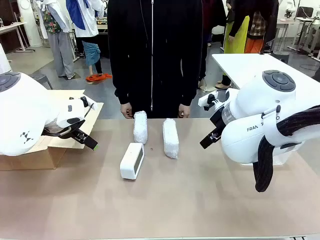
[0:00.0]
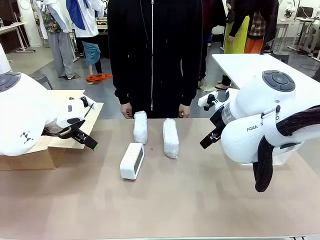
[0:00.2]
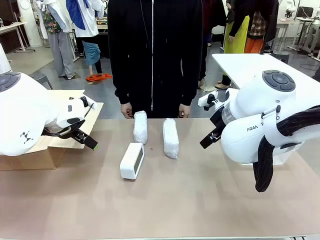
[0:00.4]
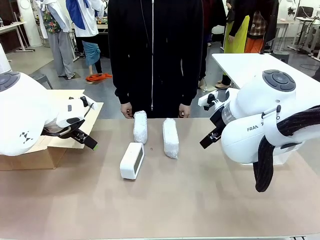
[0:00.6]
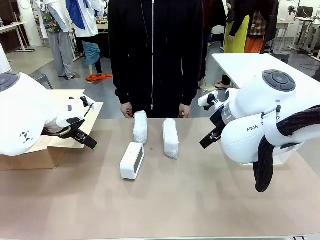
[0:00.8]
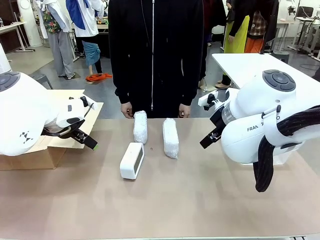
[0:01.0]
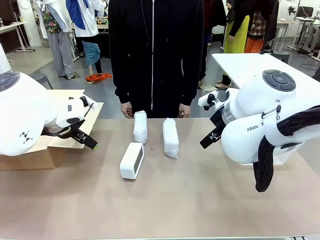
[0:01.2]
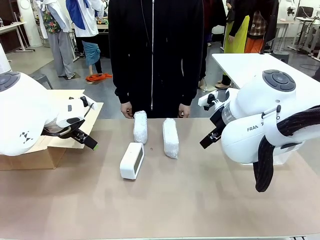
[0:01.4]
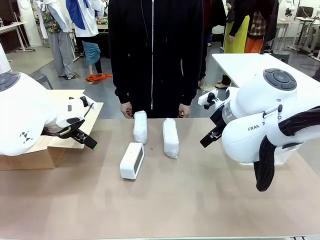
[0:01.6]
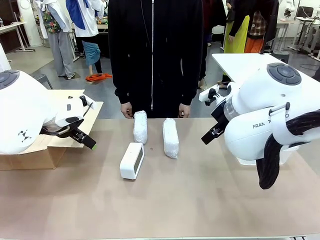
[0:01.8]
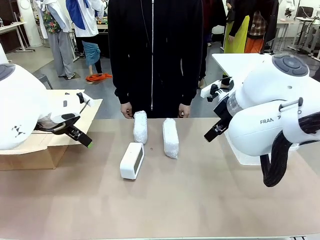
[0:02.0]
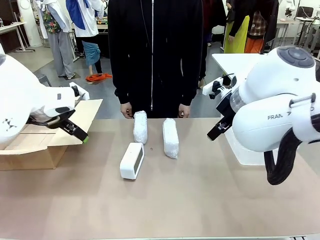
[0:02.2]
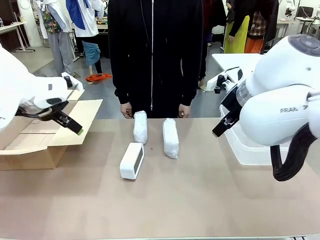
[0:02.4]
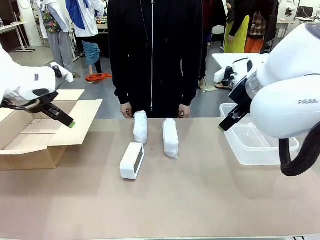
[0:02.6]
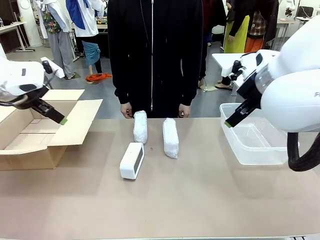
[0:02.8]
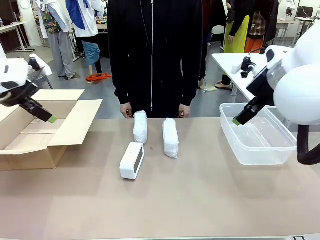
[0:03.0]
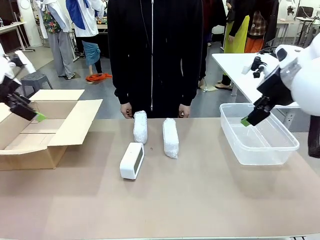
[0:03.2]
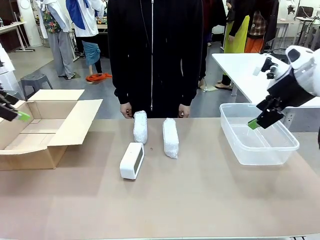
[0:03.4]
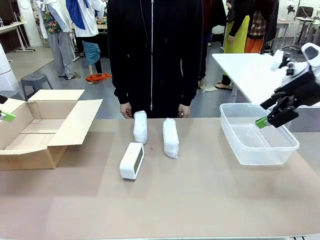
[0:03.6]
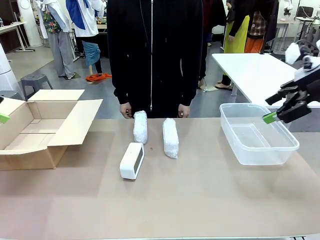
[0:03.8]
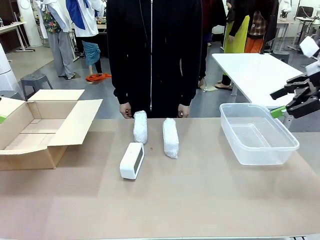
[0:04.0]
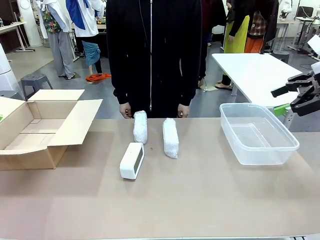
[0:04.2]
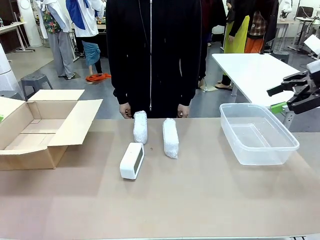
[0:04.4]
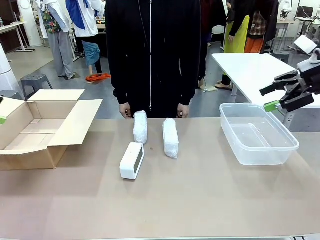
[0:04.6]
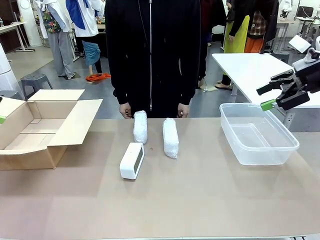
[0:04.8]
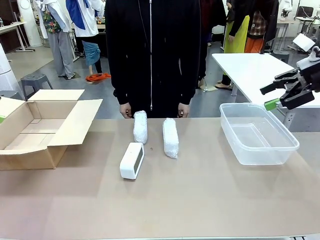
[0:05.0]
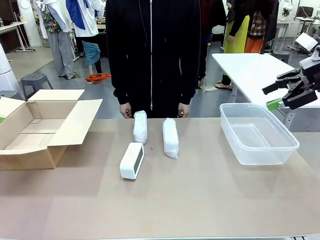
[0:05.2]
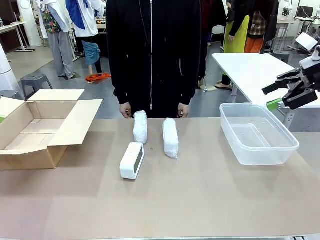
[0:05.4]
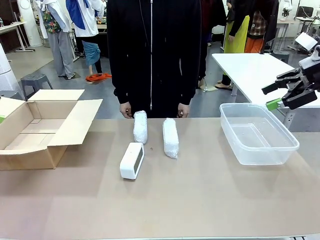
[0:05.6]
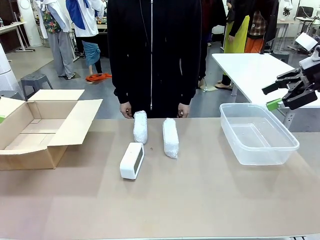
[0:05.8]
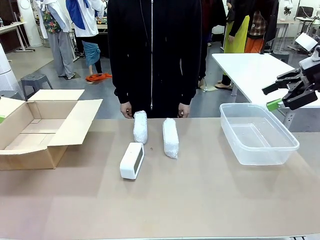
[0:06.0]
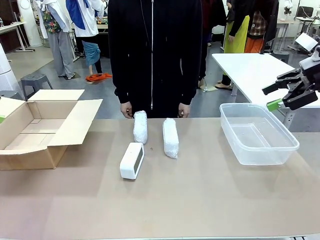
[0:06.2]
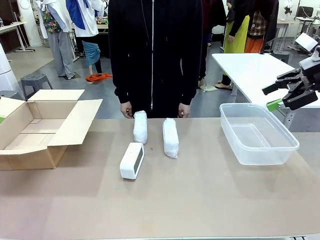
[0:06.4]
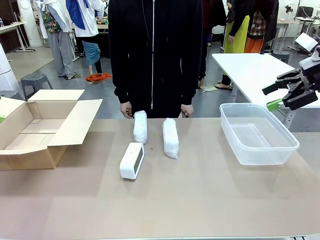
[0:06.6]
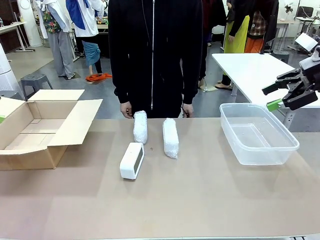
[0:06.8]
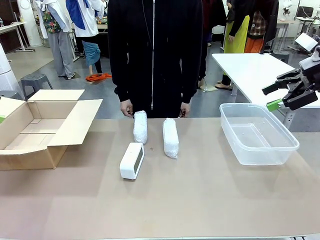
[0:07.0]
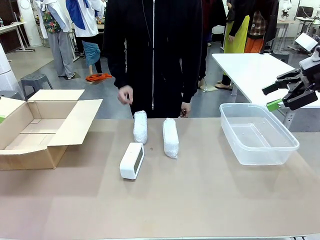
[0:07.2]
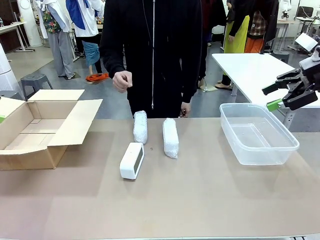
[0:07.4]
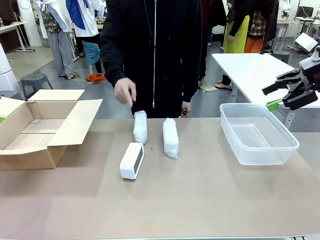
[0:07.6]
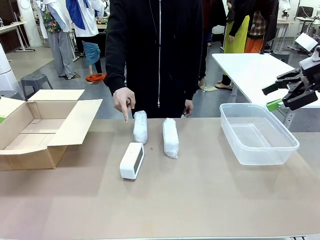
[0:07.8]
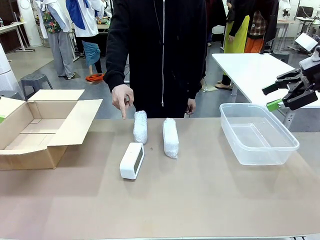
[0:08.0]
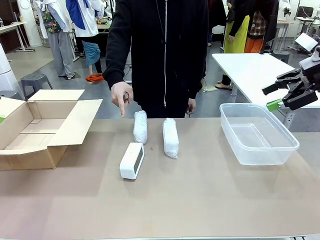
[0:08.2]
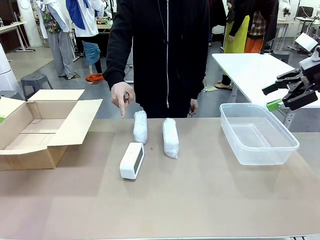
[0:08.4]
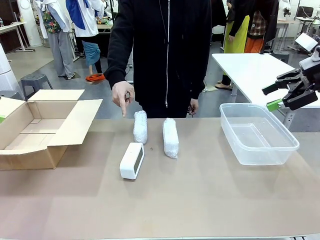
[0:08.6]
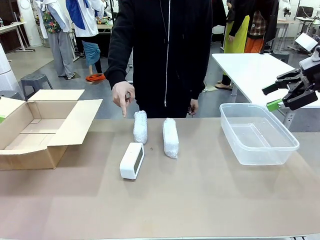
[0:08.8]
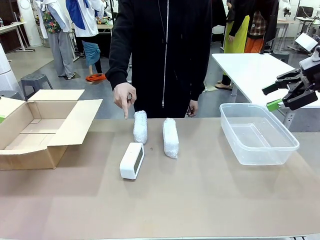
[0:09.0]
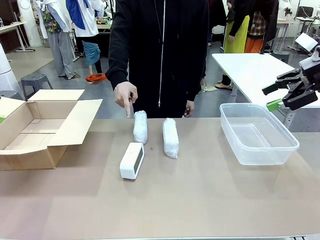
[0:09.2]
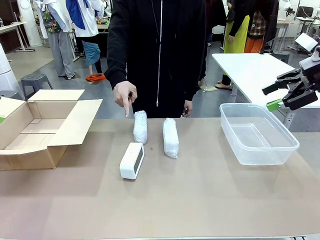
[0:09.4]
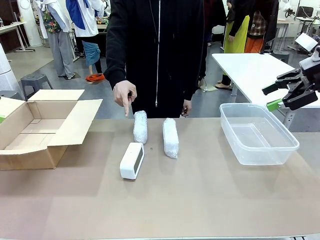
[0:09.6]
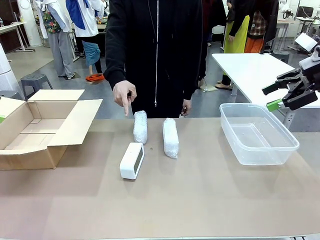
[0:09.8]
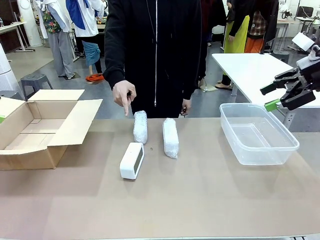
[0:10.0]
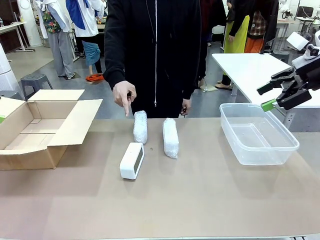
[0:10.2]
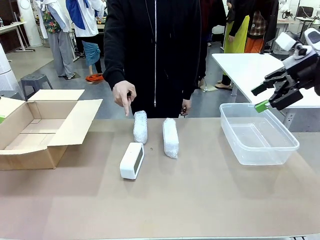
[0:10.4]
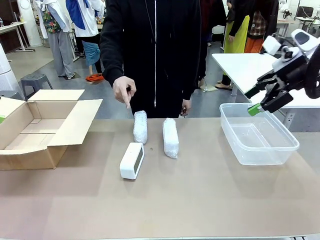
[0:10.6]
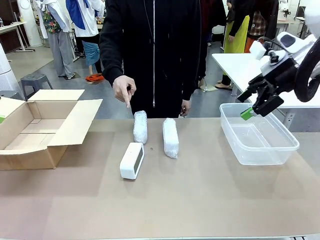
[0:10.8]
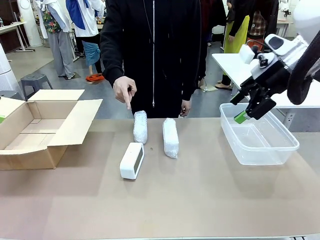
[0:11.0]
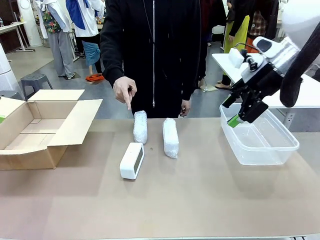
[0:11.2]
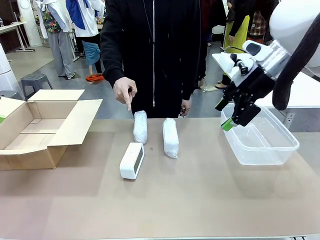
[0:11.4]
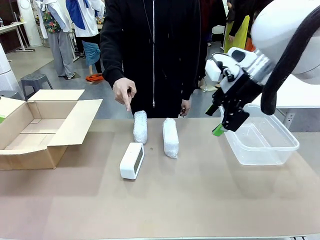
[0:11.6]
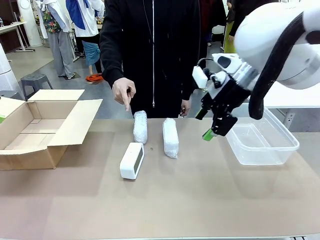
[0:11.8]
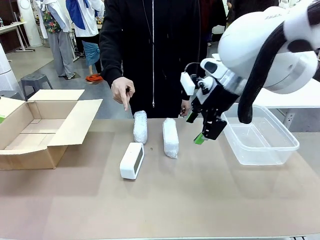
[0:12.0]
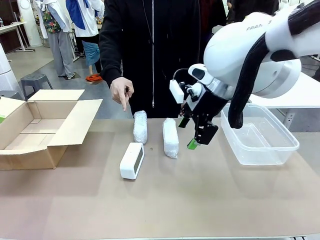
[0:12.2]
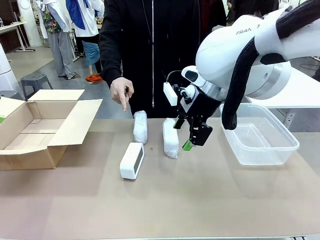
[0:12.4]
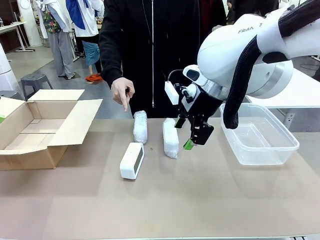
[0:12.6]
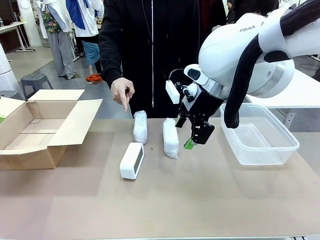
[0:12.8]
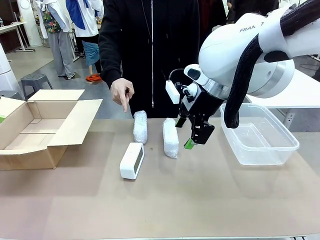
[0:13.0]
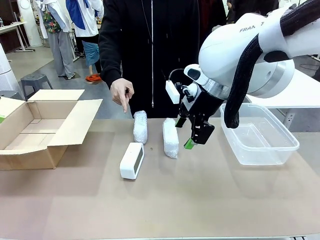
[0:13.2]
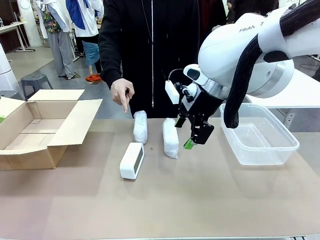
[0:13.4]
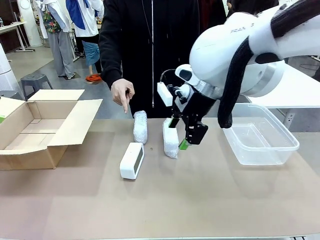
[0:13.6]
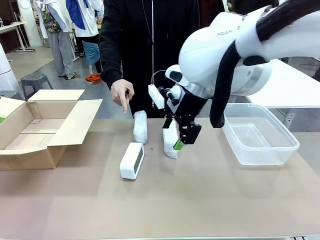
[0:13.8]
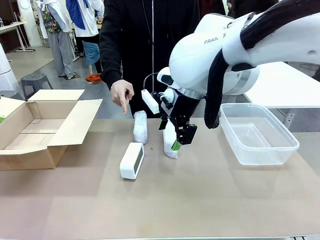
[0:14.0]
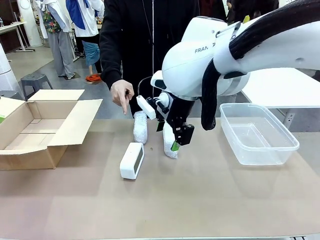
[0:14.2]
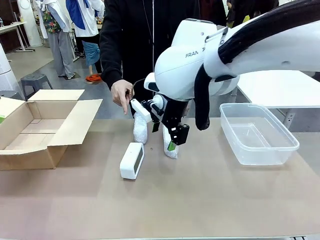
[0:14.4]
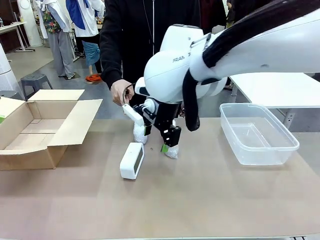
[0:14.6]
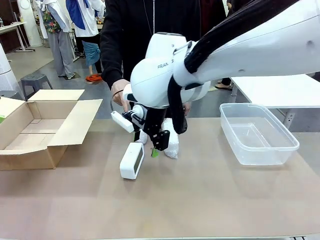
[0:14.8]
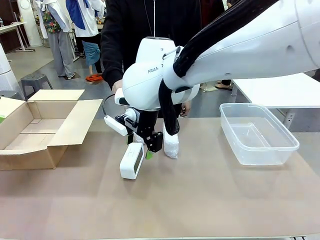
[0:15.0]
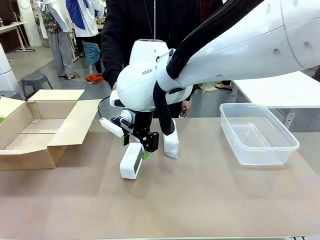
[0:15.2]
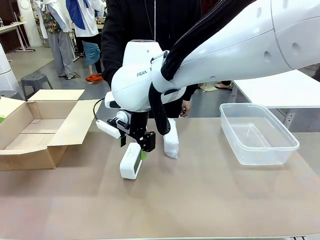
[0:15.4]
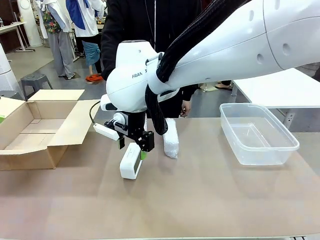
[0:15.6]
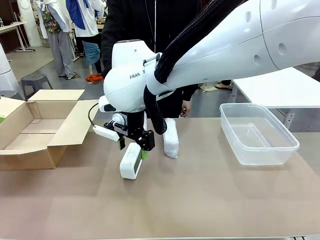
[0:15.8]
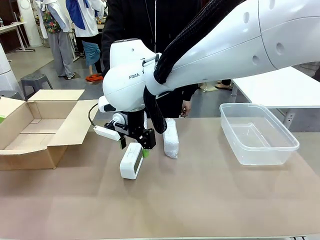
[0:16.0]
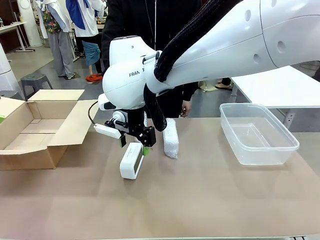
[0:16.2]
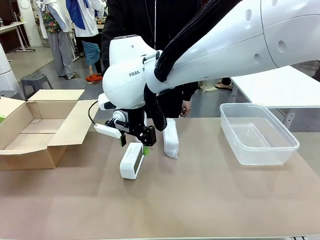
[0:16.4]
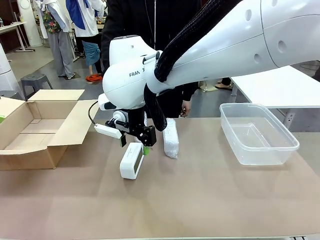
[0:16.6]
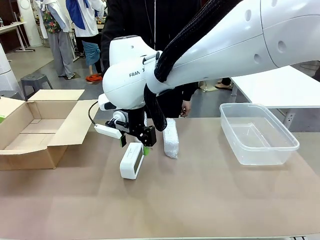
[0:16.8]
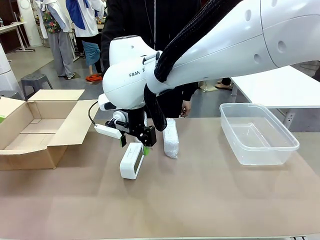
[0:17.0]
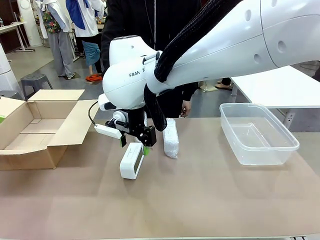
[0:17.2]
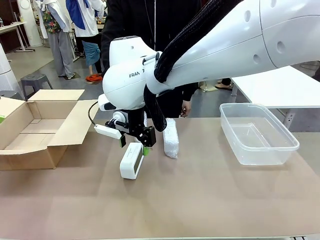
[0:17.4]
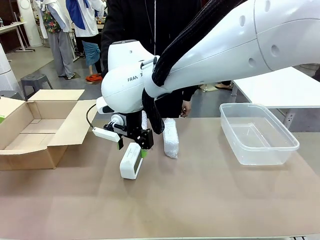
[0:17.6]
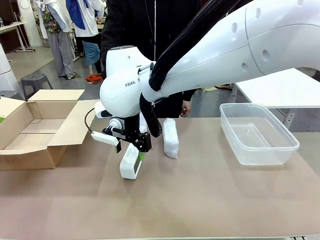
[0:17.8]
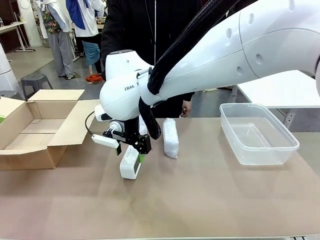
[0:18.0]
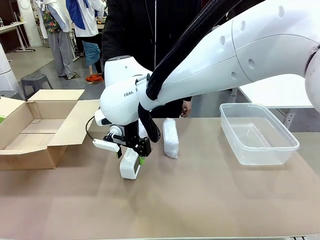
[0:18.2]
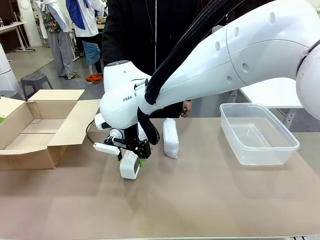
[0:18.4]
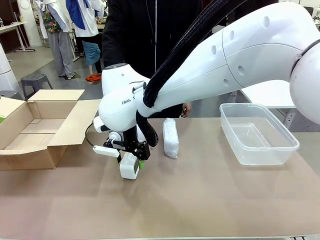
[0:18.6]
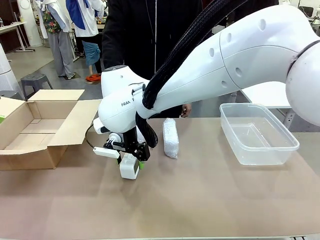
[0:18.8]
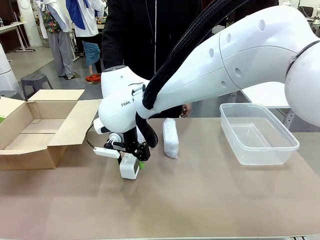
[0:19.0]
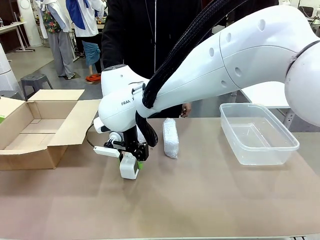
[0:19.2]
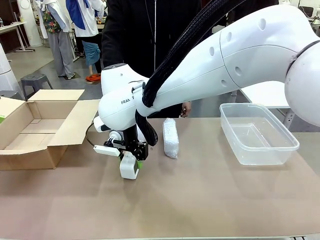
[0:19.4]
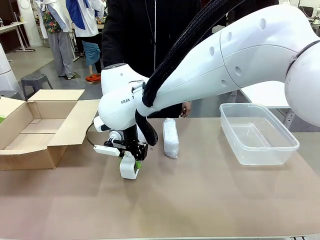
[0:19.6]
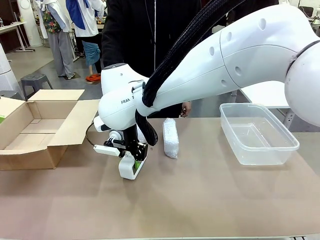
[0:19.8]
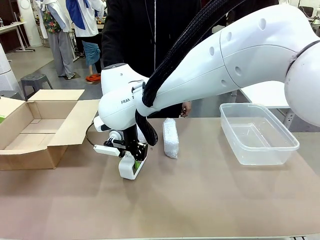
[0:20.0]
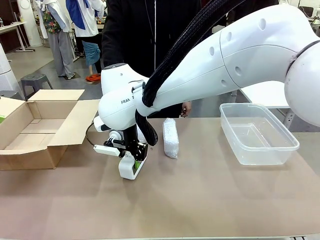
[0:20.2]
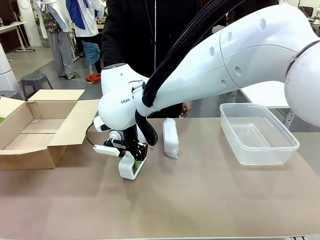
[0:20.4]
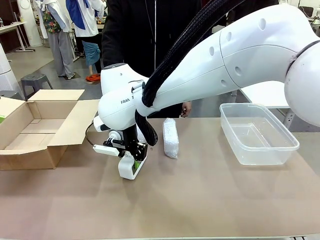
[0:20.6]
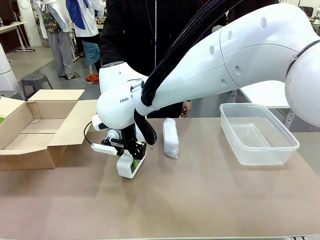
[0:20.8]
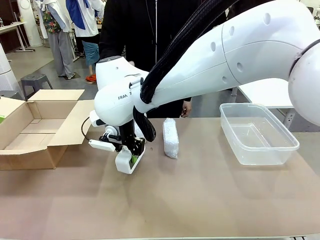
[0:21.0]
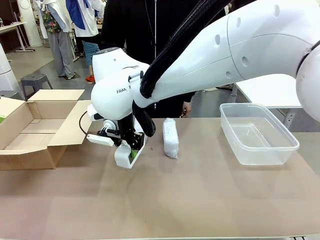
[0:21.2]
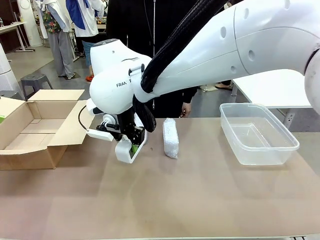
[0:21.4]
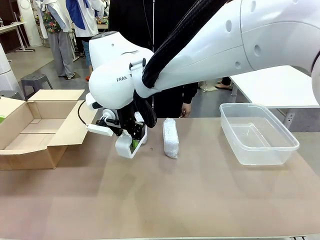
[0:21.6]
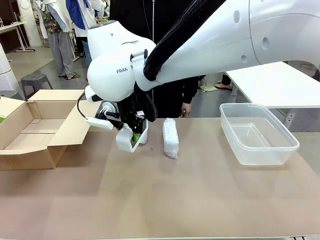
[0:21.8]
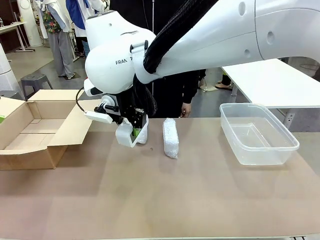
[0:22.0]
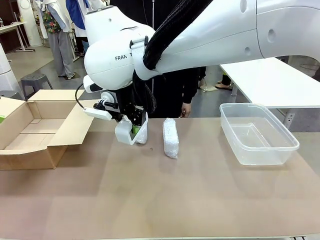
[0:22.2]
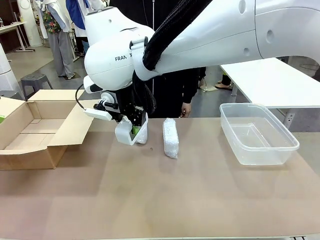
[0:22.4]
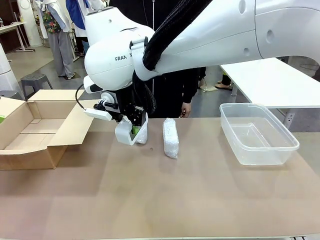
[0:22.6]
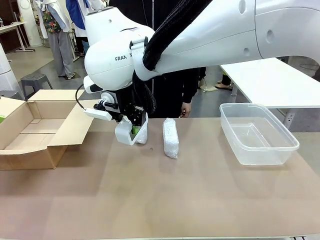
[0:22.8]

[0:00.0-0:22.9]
Task: Separate and place wrapped and unwrapped clocks.
Robot: Pick up the Digital clock indicated by the person.
